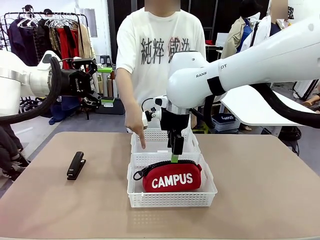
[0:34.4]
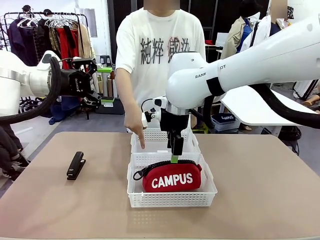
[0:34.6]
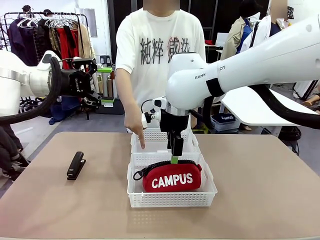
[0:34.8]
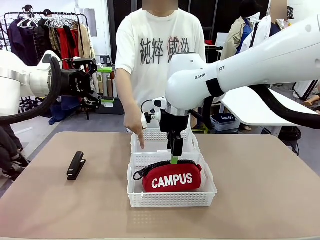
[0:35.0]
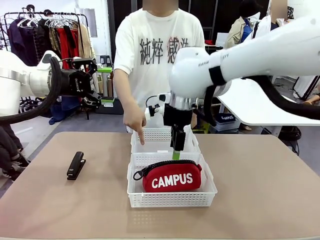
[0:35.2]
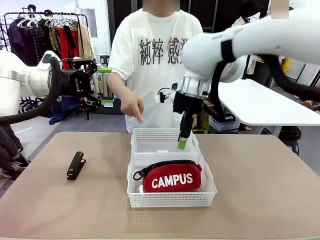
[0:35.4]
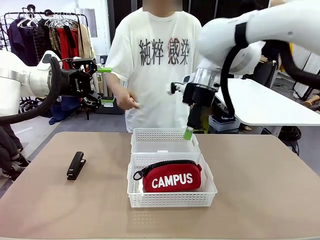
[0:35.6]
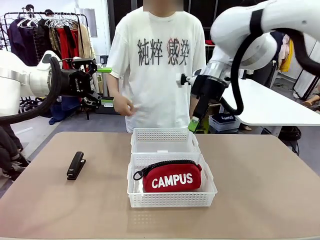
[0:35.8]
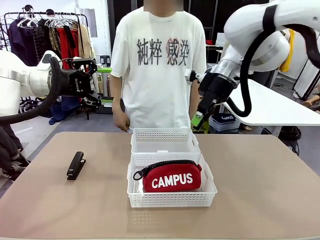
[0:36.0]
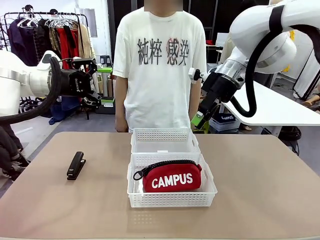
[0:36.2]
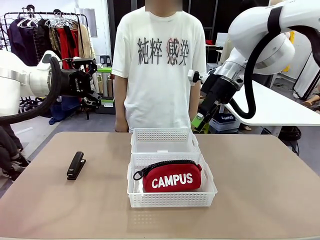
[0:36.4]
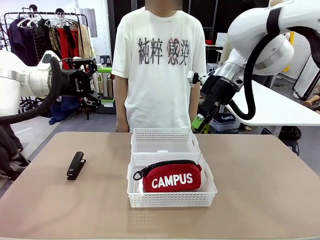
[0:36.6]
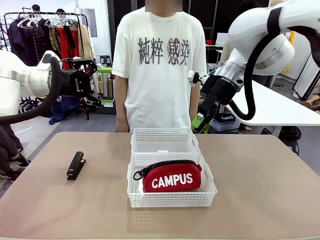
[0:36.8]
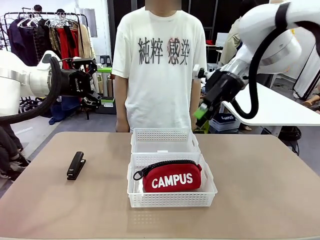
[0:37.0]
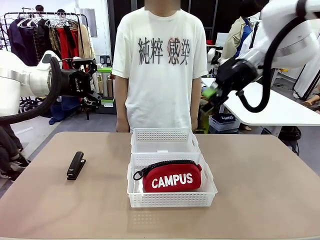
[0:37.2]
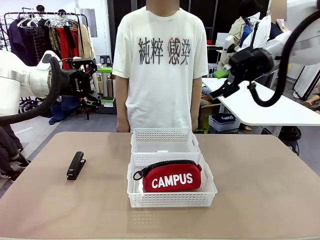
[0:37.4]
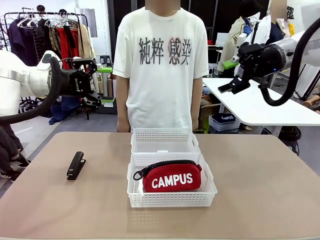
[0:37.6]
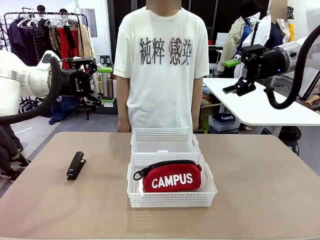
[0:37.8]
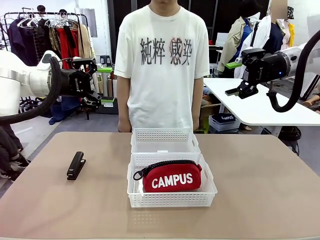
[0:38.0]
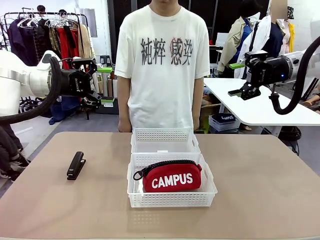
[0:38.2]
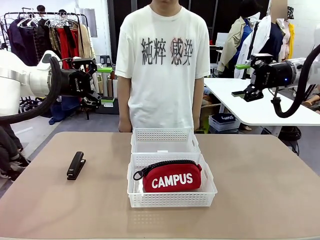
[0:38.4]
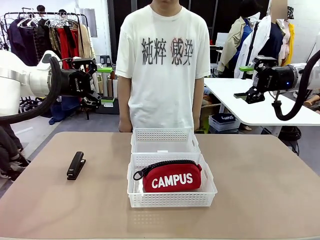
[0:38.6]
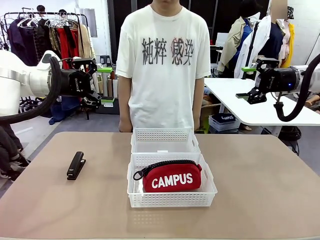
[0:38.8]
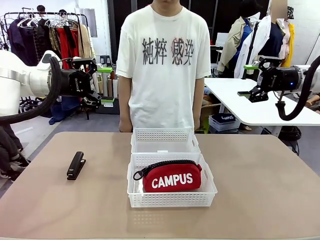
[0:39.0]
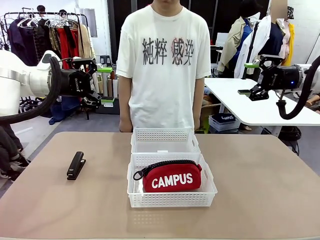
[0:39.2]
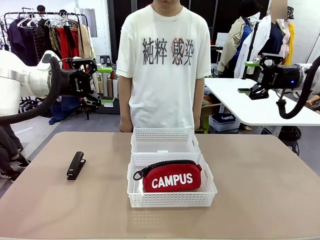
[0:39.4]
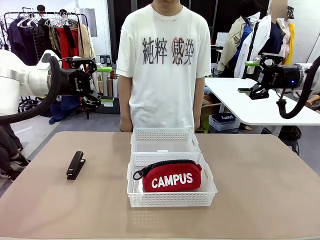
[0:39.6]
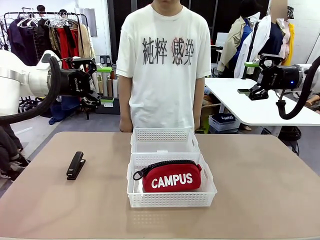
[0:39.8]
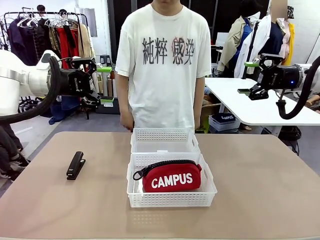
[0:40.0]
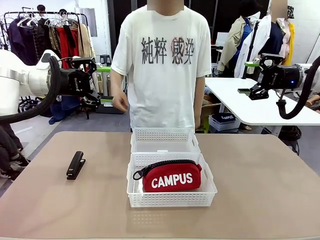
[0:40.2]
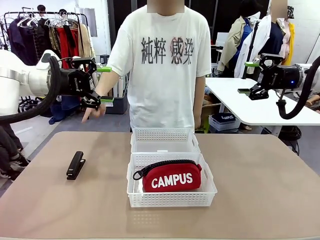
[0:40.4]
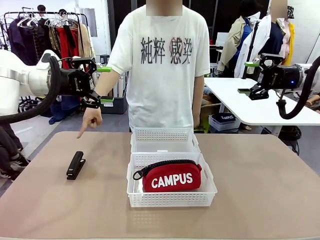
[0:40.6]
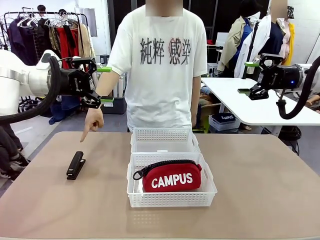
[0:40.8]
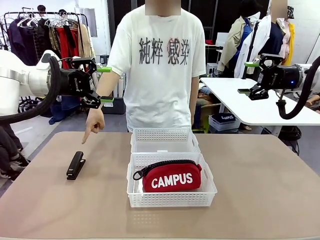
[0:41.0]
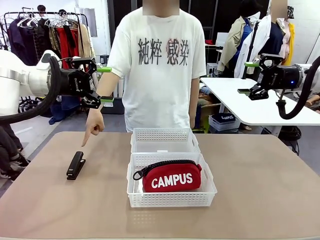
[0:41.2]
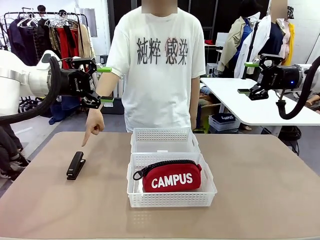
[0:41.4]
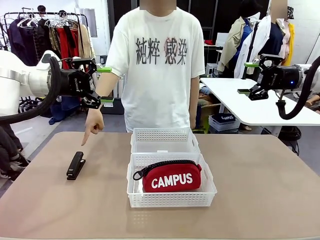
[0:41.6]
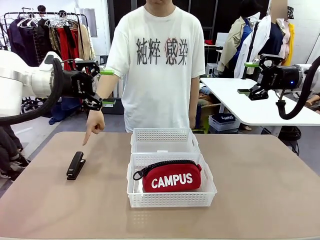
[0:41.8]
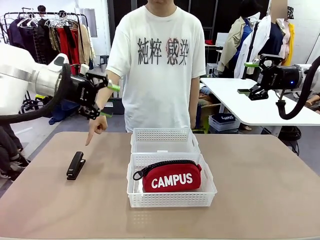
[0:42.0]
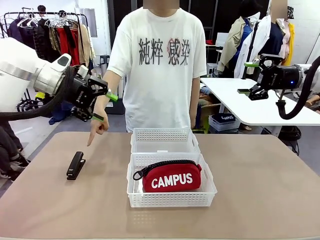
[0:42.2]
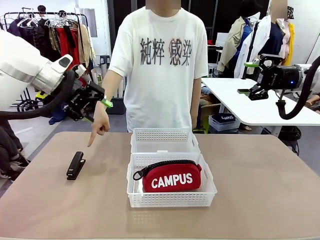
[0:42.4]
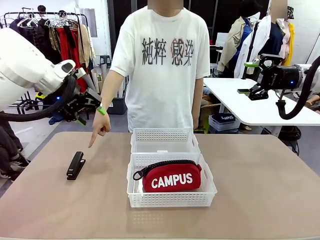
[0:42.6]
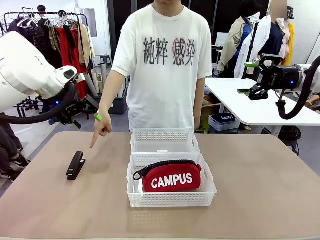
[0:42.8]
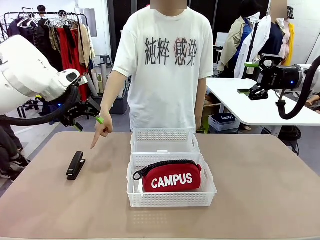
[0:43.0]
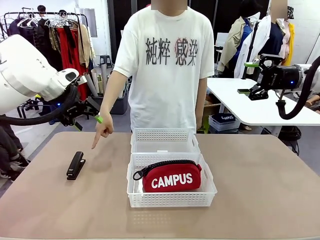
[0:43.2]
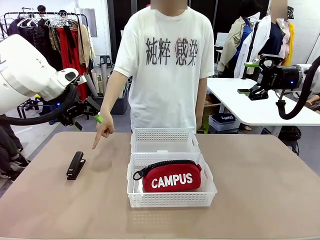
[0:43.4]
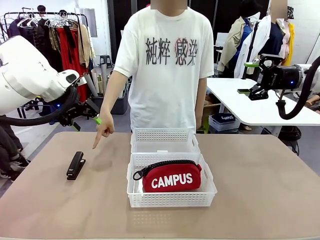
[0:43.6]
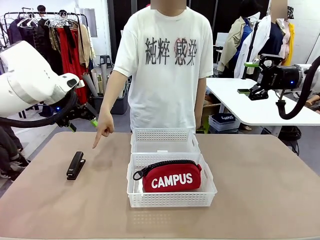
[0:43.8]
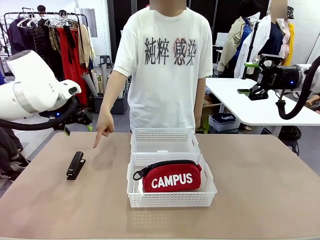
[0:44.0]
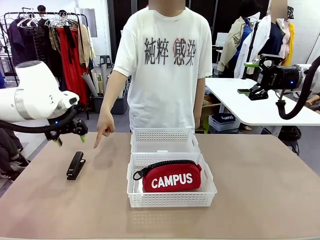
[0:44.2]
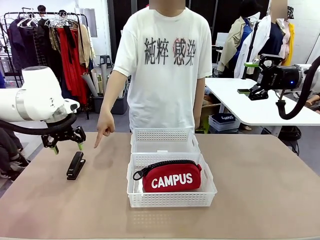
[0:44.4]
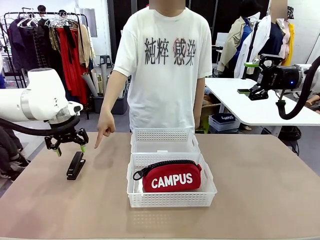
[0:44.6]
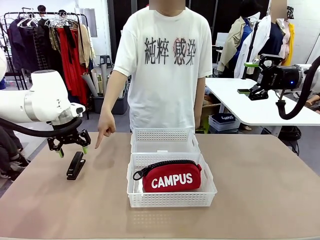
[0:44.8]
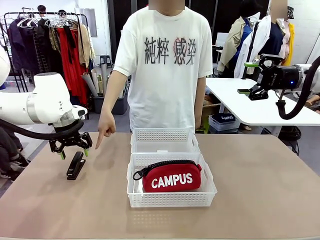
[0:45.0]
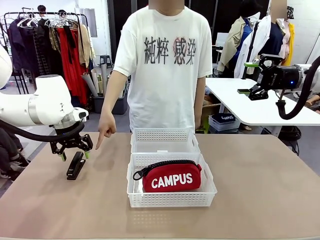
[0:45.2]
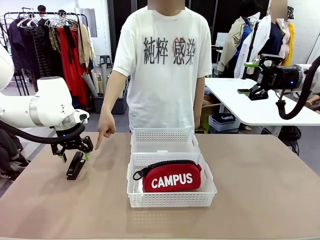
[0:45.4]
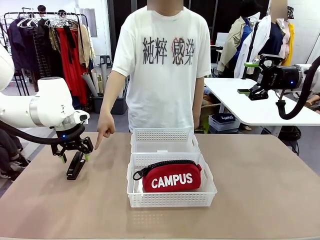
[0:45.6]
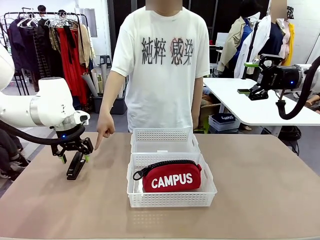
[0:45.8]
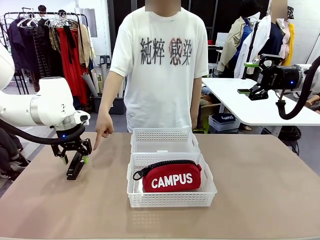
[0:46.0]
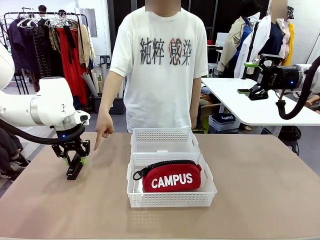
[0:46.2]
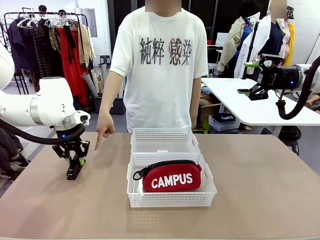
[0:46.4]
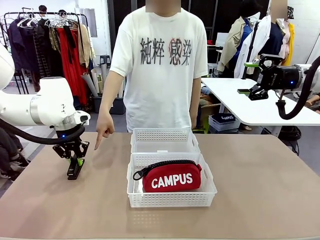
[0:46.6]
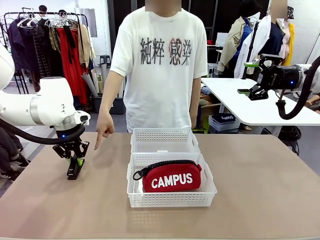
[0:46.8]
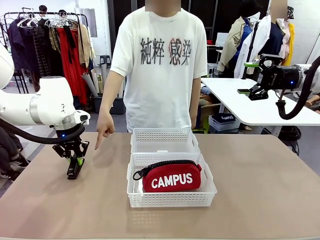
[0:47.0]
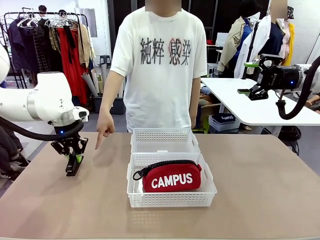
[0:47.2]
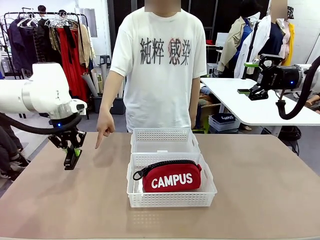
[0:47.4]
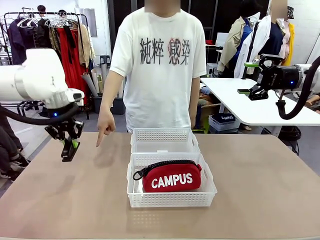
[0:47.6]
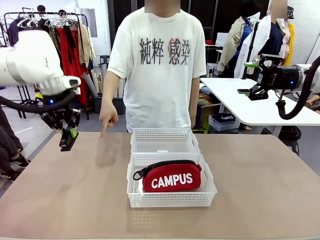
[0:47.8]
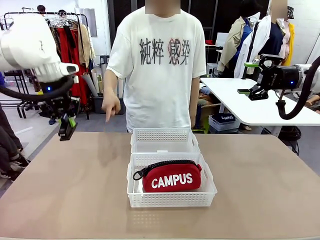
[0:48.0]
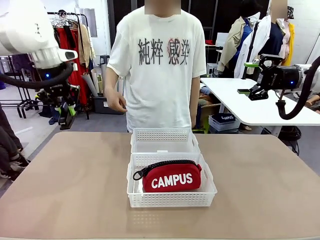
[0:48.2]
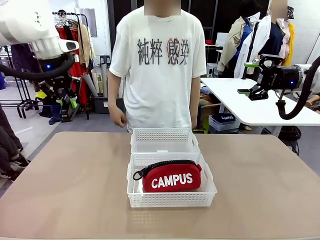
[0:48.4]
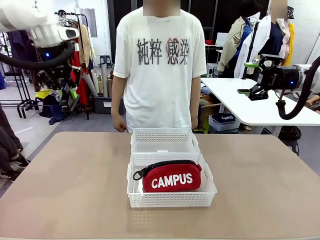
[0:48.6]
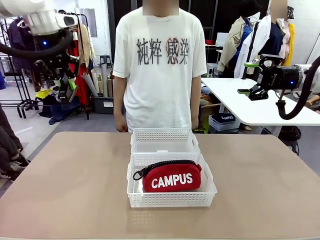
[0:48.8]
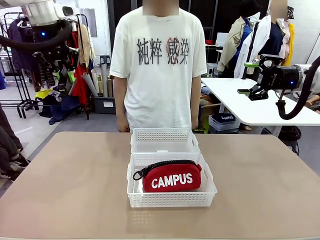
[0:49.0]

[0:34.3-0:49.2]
Task: Distribute items into two baskets.
Robot: Pick up the Stapler that the person points to.
Person: Points to the stapler.

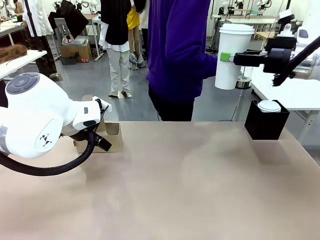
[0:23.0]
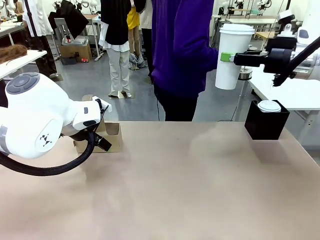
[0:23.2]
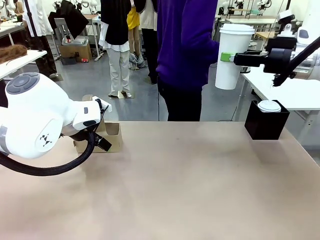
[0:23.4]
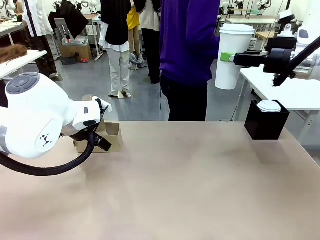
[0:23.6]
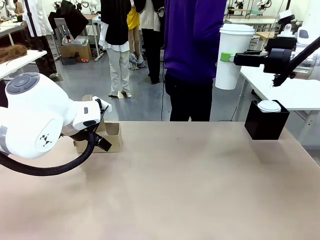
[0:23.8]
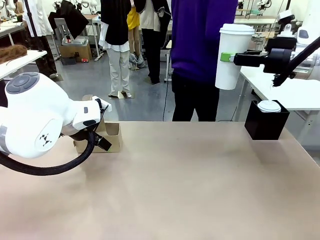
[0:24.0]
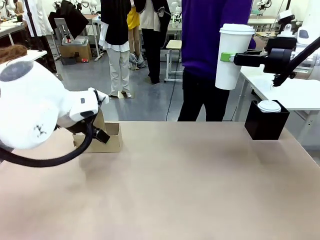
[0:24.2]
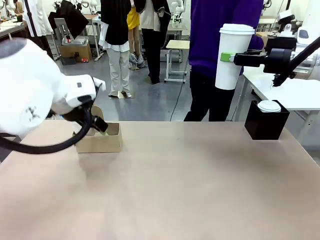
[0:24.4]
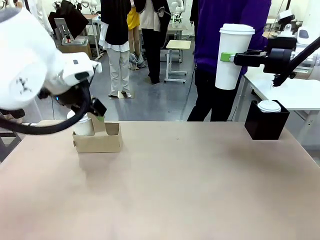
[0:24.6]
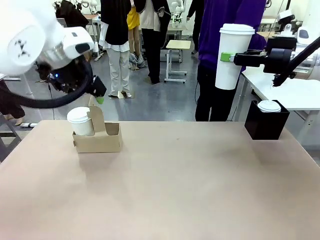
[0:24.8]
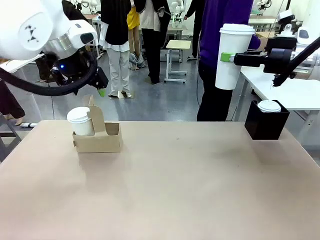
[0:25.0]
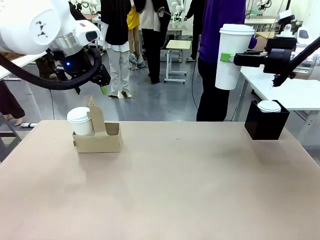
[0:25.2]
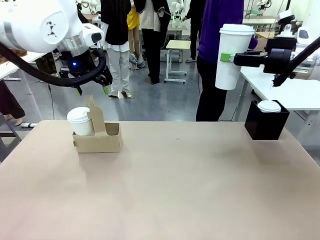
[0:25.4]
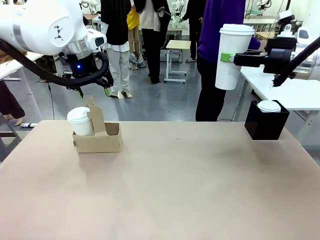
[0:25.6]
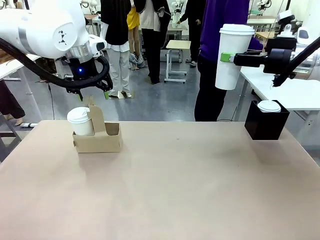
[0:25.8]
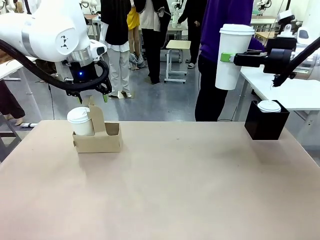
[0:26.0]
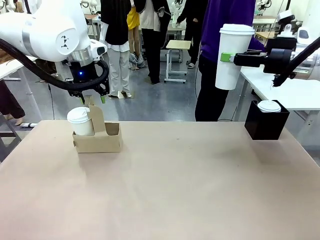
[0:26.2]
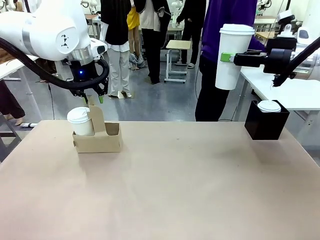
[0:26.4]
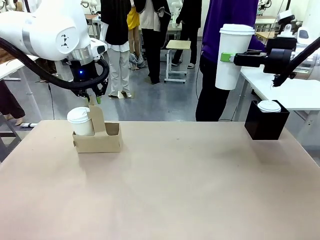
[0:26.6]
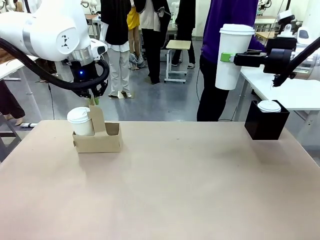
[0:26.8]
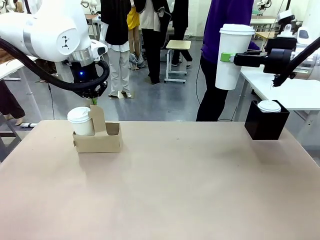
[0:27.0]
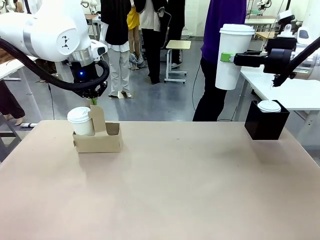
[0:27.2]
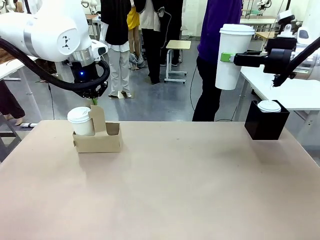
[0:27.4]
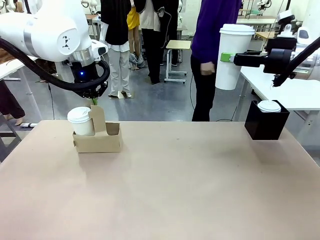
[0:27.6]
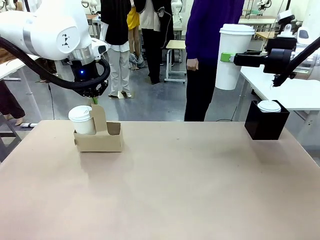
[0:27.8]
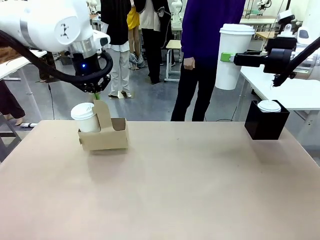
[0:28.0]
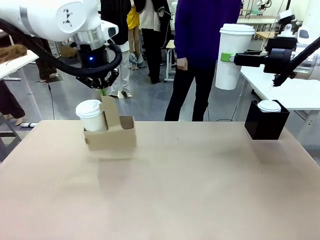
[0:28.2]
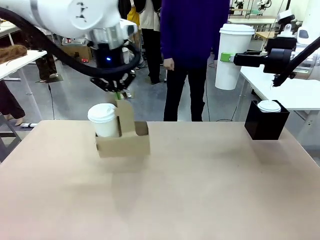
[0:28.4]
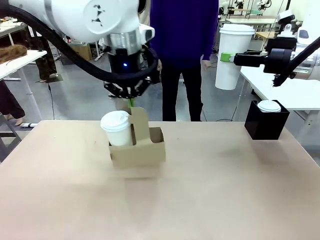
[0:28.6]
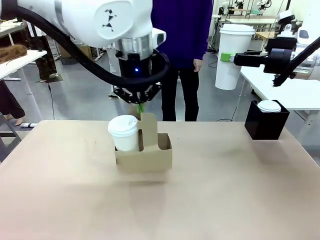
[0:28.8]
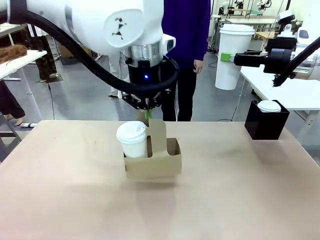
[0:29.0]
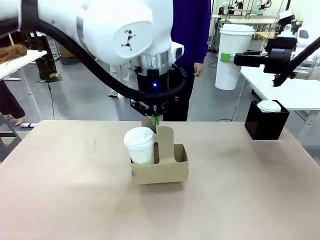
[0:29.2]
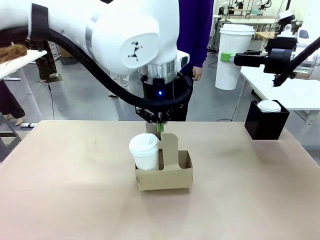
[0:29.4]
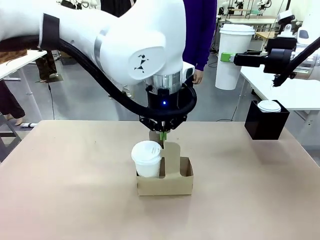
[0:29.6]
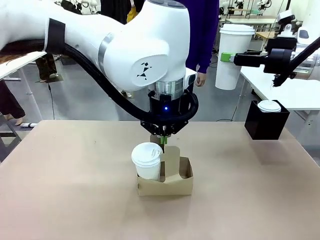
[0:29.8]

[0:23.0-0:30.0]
Task: Pour a drink into a cup and package it in a carrier.
Robot: Position the Cup Carrier in the center of the table.
Person: Pick up the Filter Brewing and place on the middle of Human table, and return to the Robot table.
